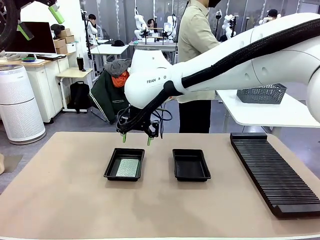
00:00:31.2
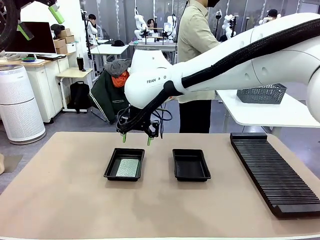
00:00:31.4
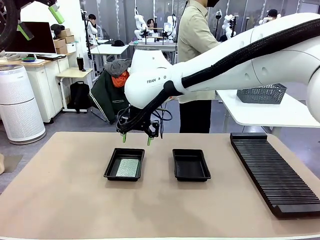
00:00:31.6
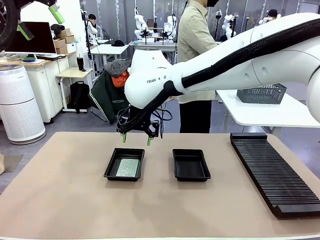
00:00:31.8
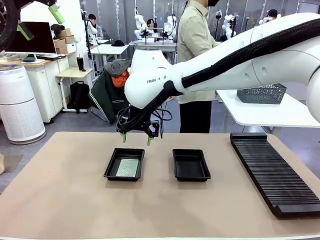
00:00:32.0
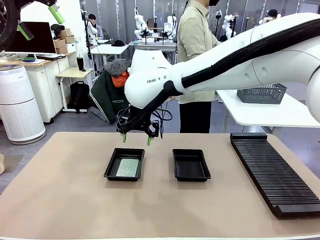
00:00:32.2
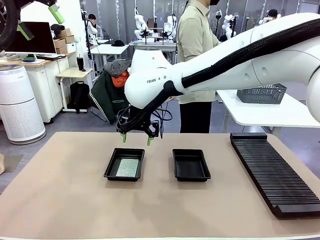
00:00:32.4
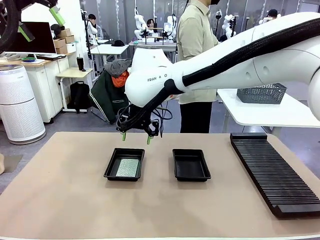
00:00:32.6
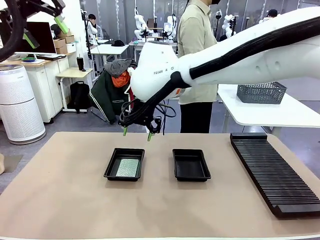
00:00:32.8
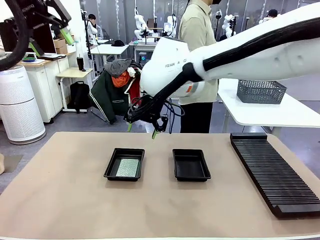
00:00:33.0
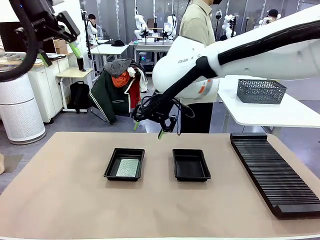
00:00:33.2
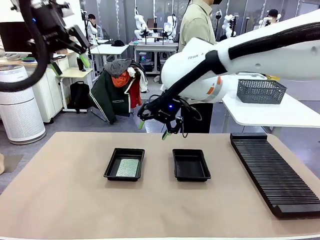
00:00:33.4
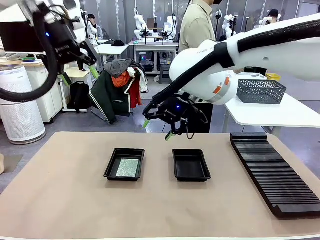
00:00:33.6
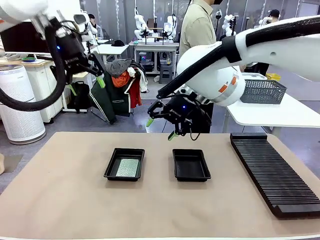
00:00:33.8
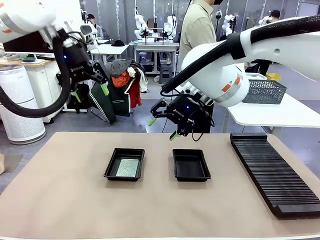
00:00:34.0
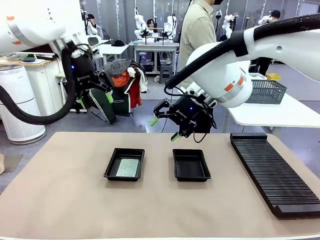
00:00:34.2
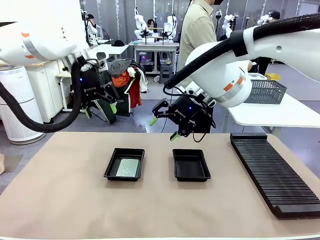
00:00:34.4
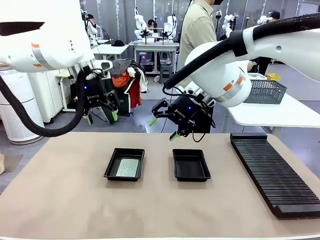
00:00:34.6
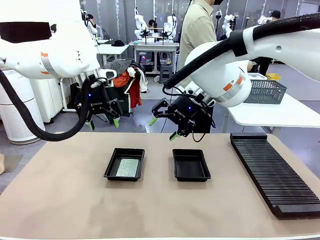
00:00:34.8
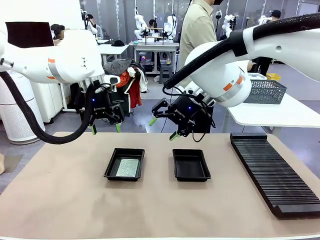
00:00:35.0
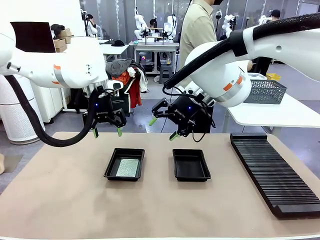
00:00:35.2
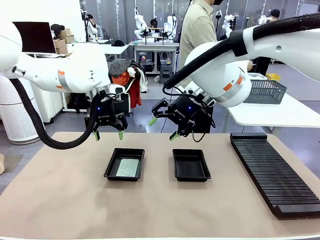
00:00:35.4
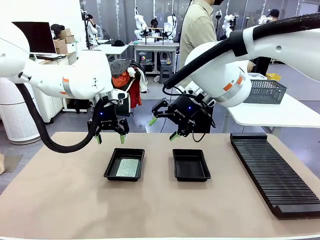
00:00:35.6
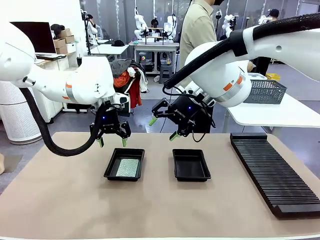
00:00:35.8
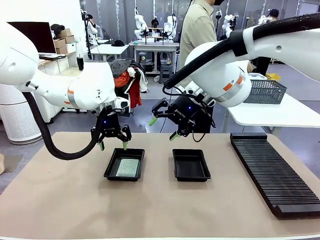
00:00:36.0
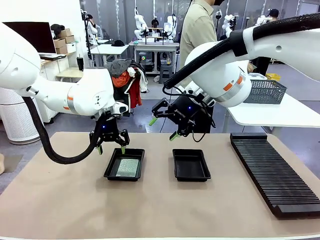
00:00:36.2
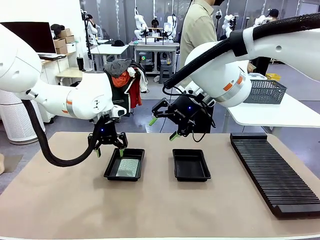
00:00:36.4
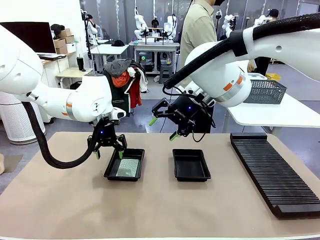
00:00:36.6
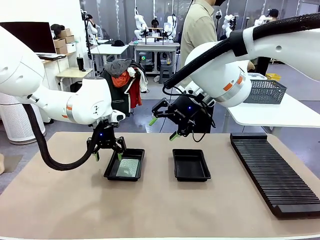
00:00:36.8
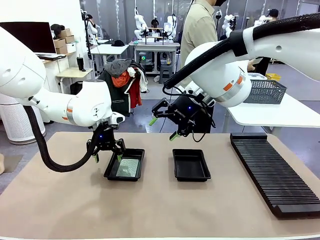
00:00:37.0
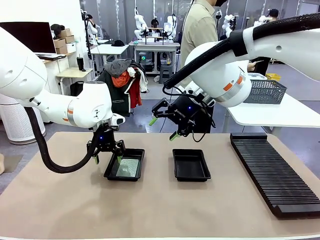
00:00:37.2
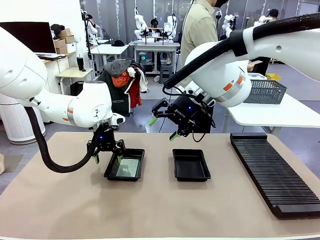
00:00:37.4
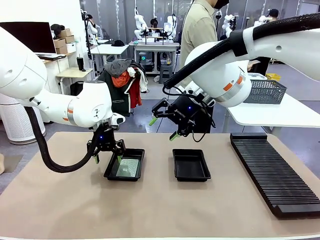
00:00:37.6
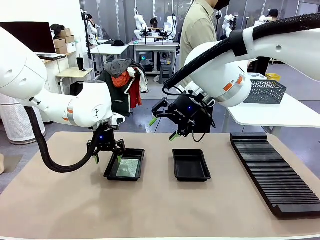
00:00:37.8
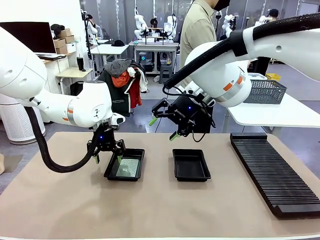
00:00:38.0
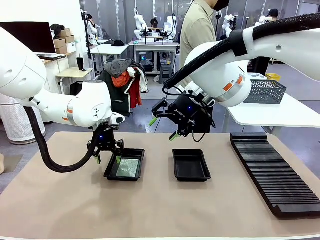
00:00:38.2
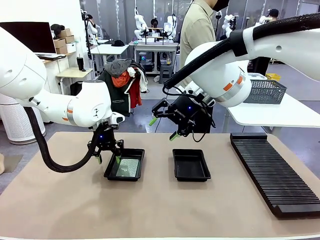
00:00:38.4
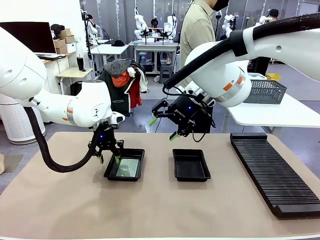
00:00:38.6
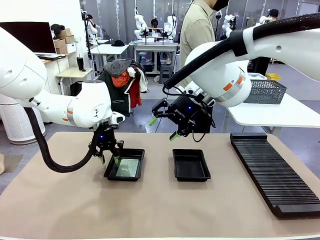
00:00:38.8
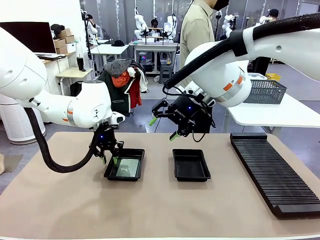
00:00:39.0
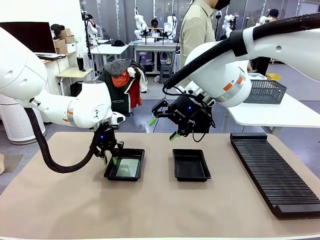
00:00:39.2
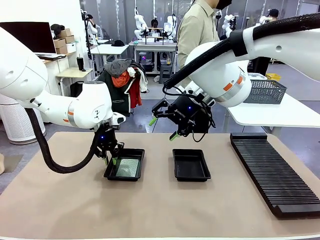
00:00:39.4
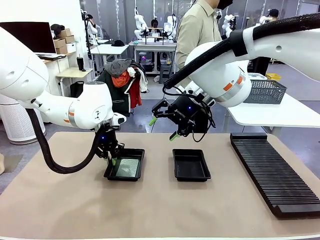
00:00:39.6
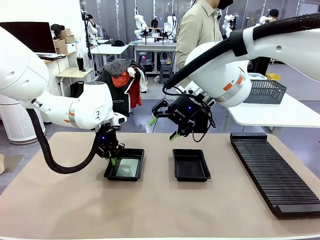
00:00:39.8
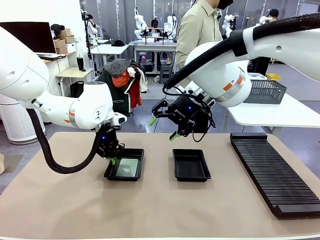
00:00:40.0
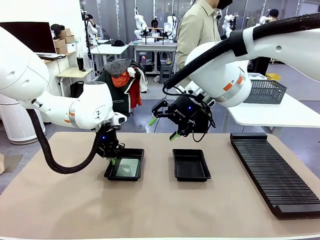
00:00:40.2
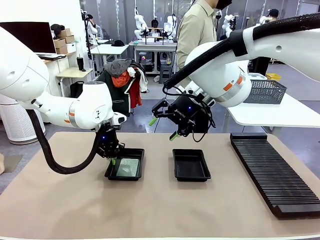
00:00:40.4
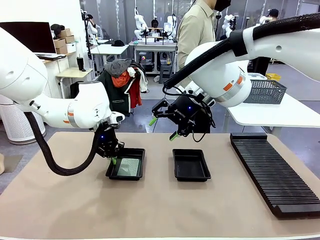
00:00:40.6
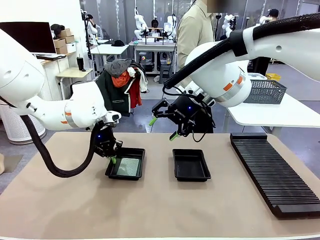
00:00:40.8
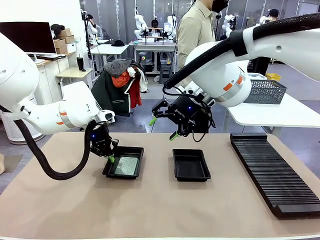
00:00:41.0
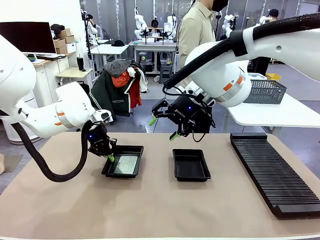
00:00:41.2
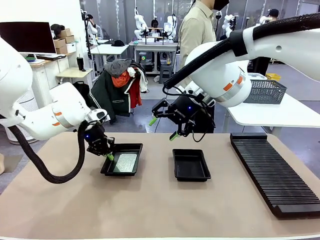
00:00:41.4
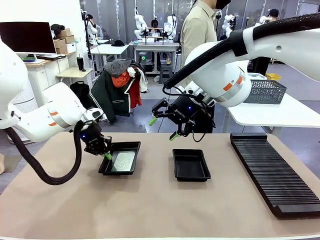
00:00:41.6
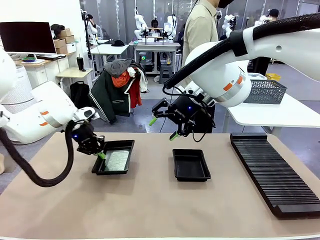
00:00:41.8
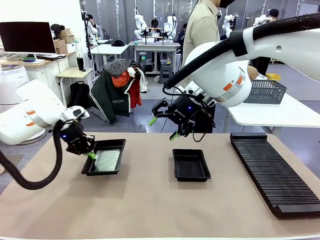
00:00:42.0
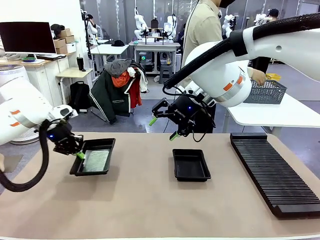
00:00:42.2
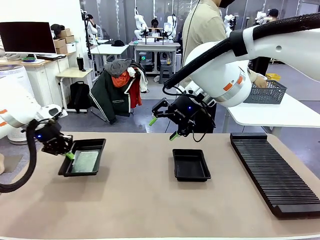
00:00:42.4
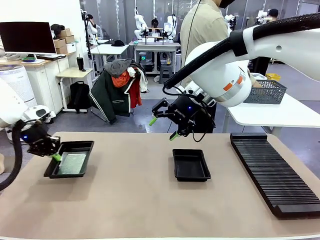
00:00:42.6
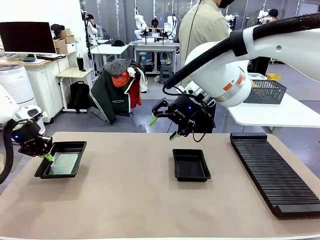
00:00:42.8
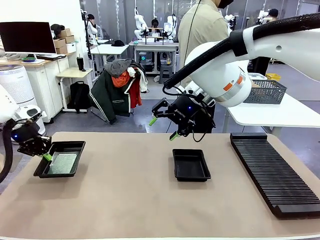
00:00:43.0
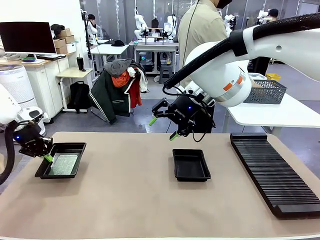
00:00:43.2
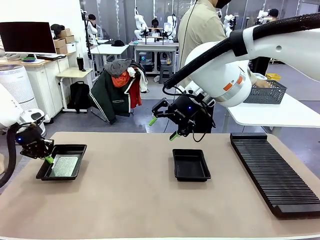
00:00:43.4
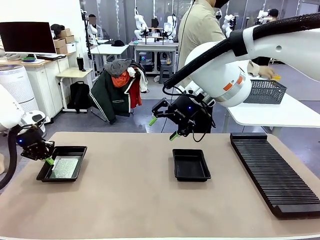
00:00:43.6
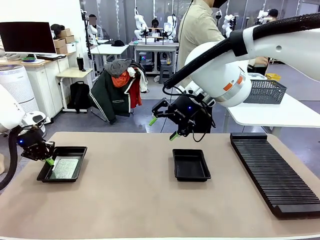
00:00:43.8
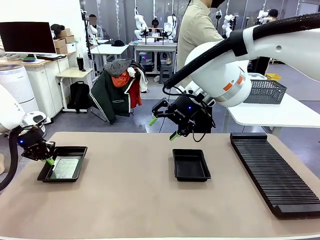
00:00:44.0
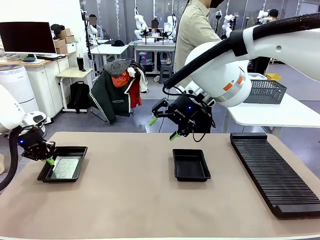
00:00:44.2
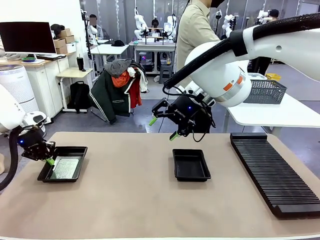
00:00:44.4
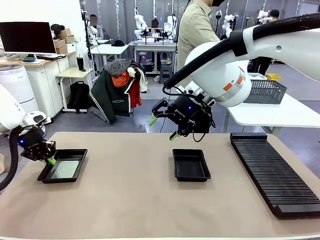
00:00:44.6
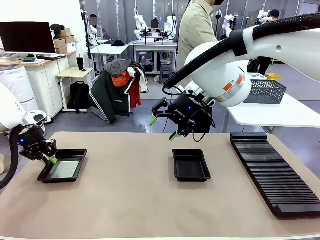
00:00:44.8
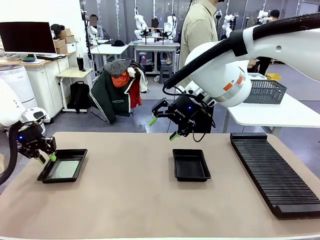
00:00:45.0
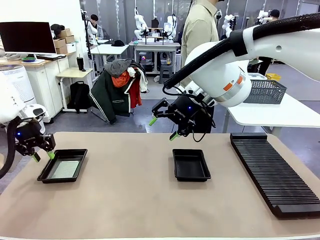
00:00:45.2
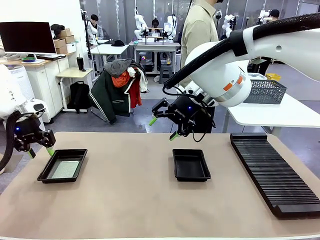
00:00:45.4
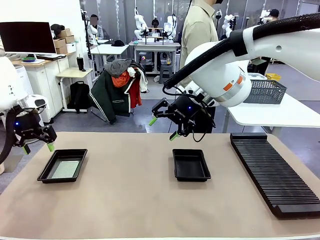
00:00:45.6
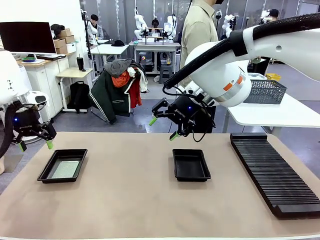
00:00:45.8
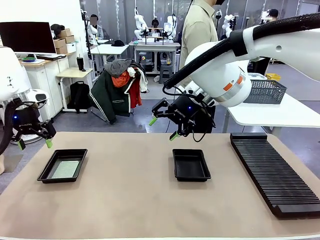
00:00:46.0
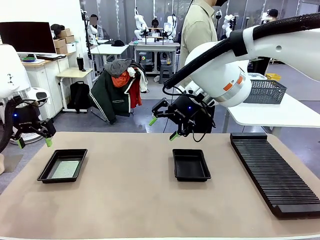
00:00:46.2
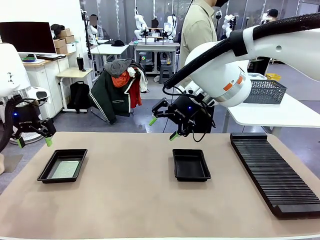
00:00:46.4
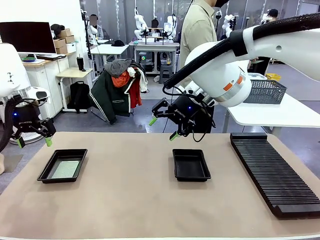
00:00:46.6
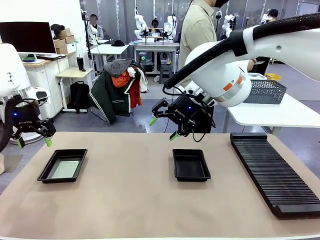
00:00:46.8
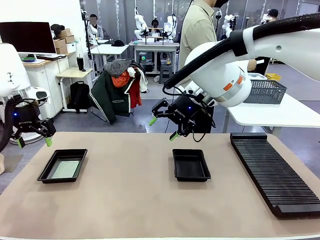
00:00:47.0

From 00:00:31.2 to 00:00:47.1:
Task: Inspect and transfer BCBs to ESD trays.
Robot: Pick up the ESD tray and place it on the left side of the table.

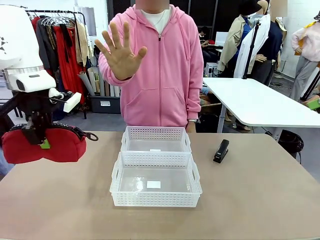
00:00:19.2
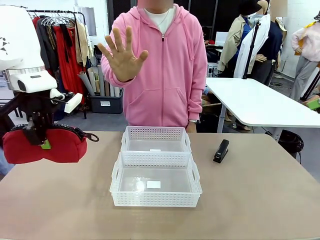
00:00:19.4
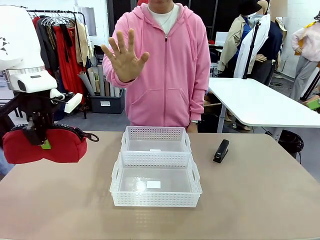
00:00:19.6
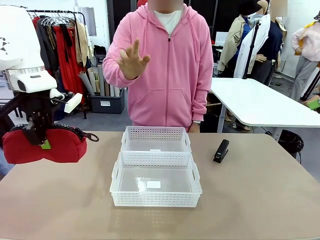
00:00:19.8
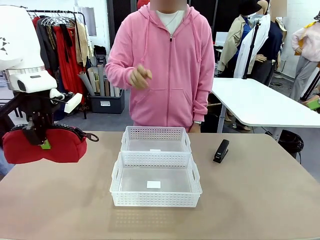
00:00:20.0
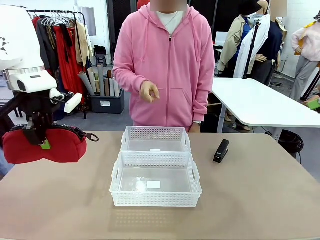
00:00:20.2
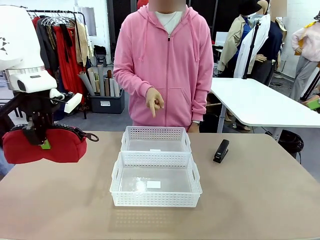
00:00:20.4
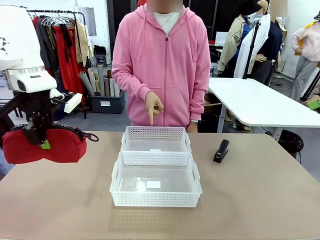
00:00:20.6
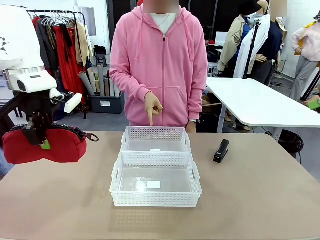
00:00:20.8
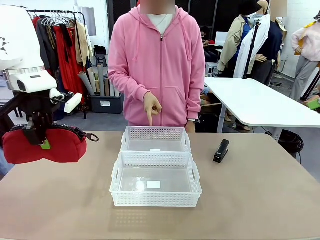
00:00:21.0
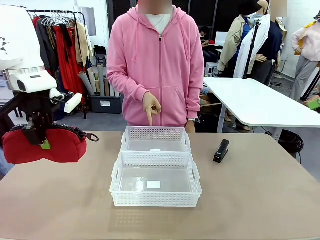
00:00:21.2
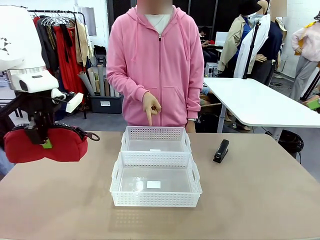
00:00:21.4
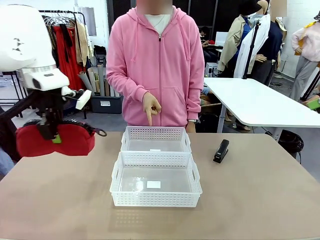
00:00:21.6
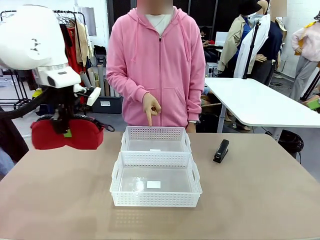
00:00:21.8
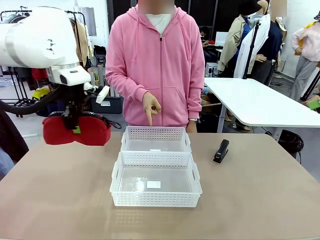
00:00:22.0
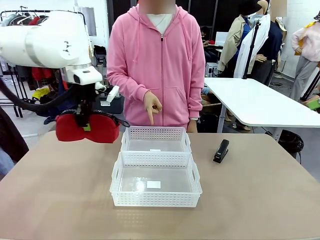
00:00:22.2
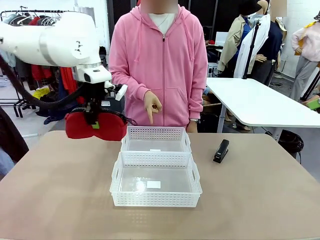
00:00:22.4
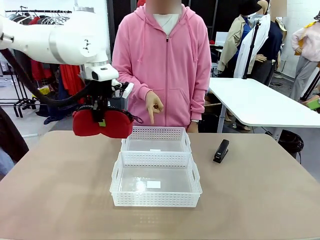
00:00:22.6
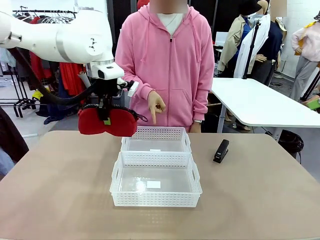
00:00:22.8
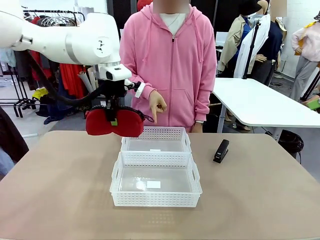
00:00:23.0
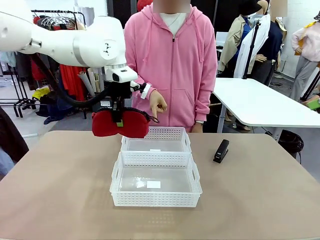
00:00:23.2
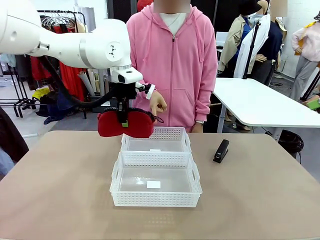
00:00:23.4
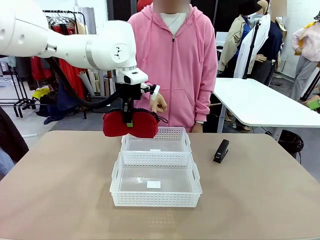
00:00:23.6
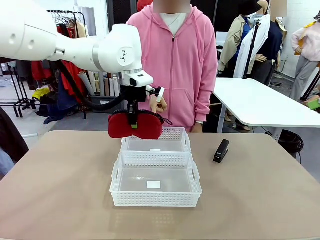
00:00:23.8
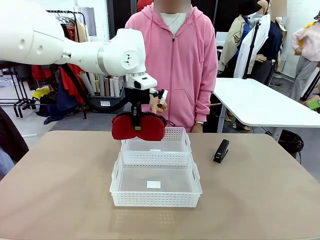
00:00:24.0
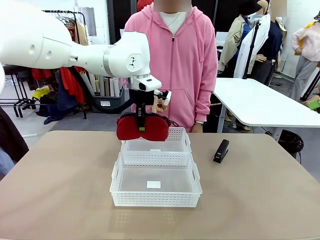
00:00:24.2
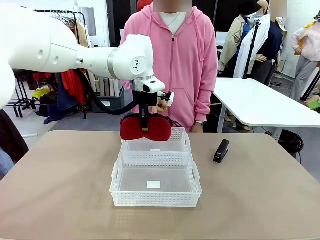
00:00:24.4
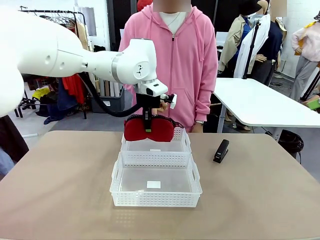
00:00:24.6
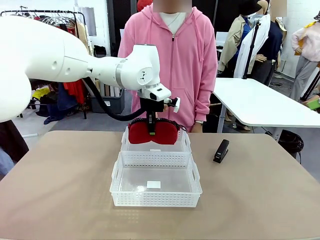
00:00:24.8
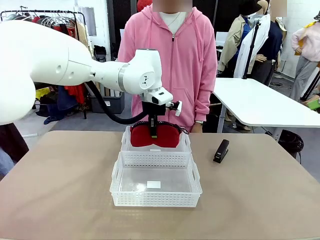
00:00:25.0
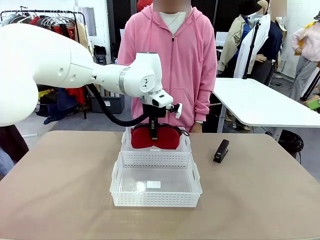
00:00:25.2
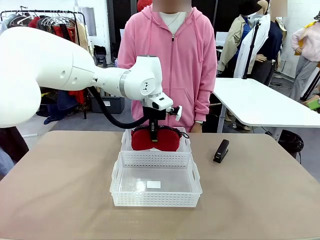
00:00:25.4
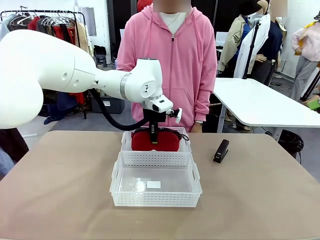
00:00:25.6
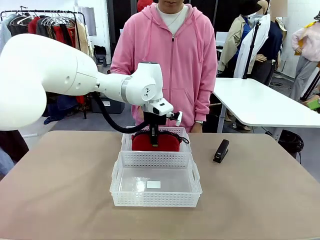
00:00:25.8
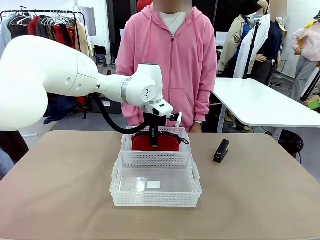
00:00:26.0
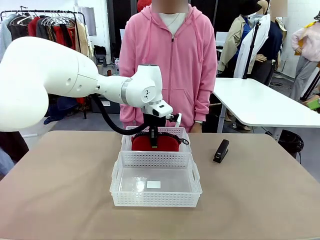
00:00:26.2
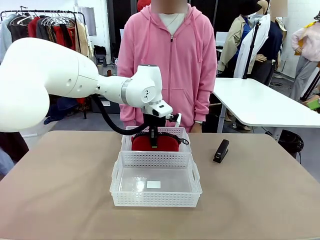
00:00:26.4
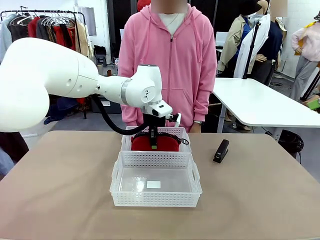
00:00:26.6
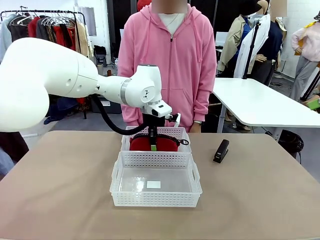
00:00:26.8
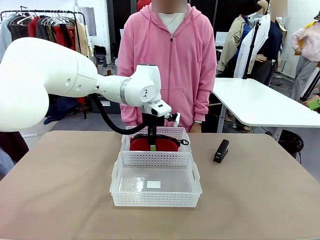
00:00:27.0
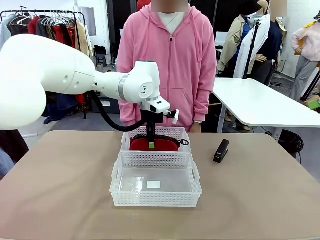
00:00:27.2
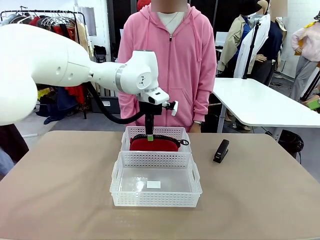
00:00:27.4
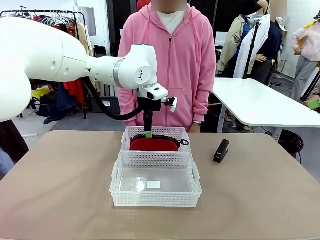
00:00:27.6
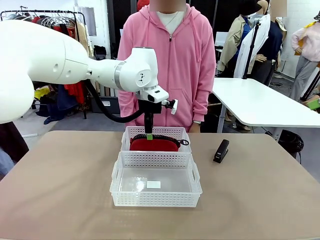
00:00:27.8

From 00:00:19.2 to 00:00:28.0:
Task: Distribute items into two baskets.
Robot: Place the picked Pencil pouch into the Organizing basket as instructed by the person.
Person: Instructs the robot to place the pencil case into the opposite basket. Points to the stapler.
